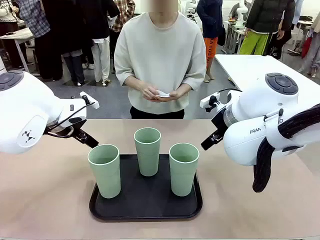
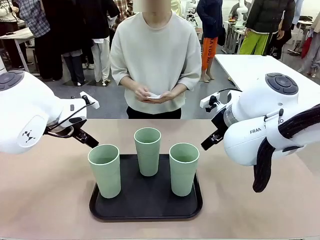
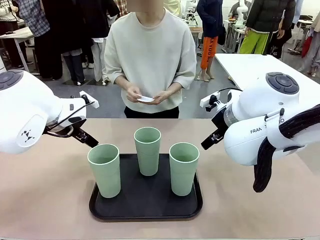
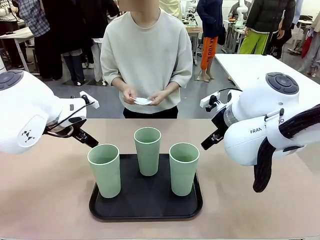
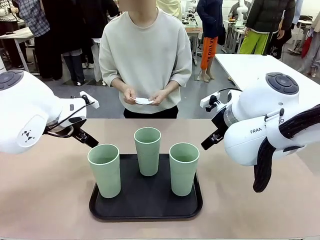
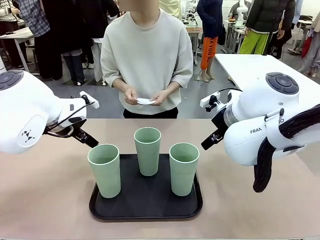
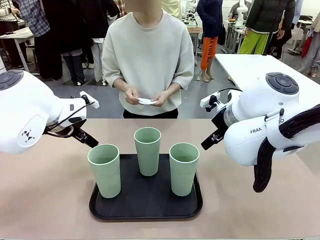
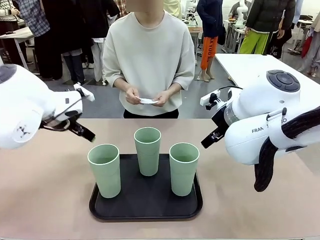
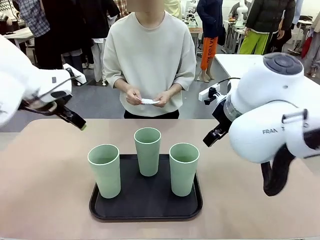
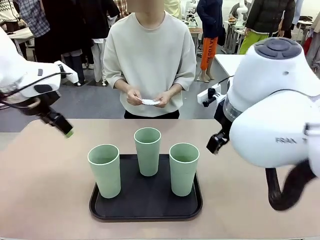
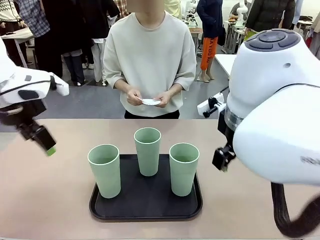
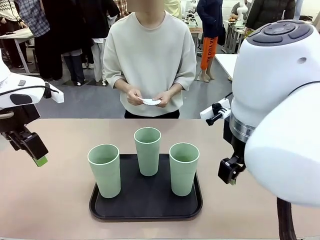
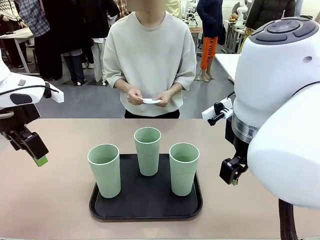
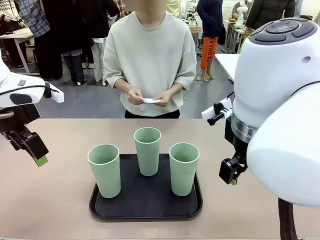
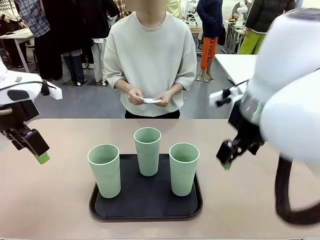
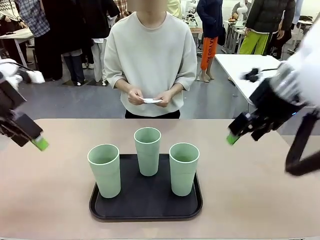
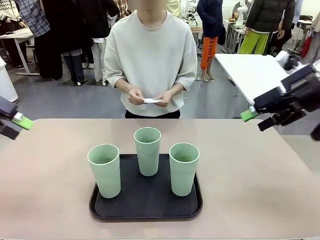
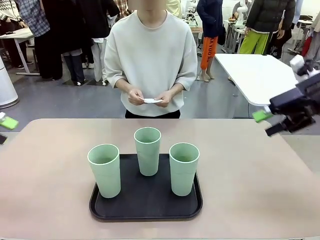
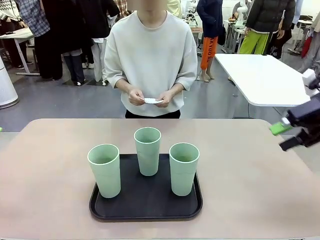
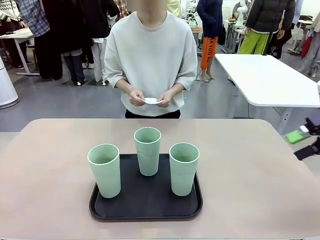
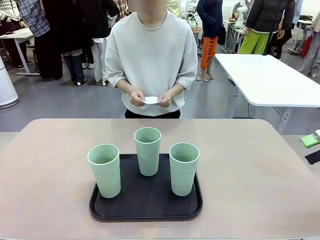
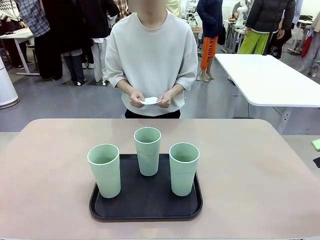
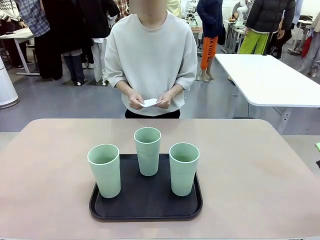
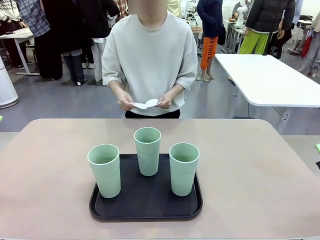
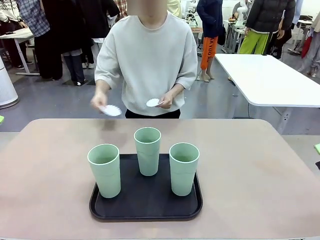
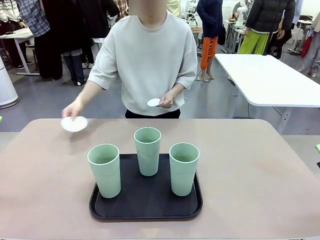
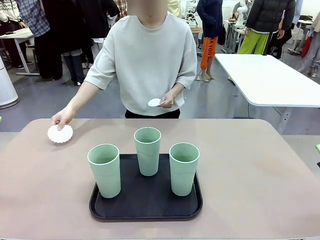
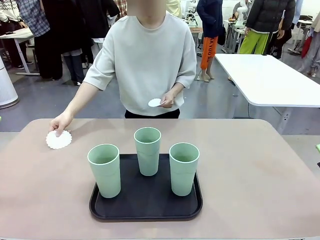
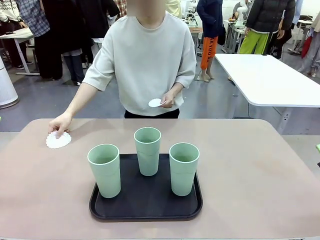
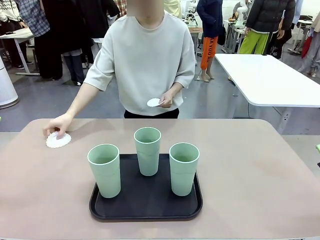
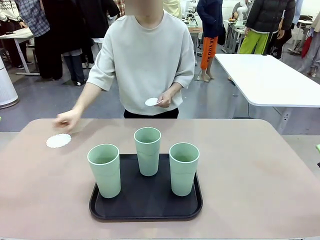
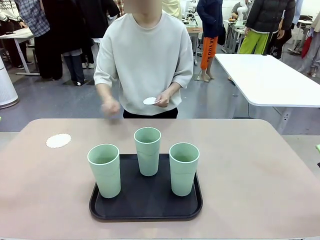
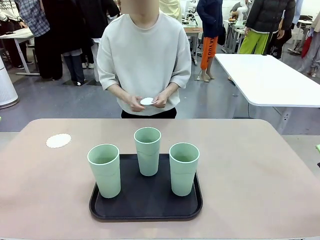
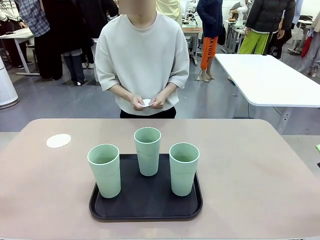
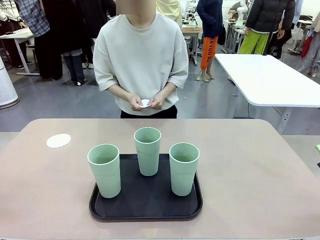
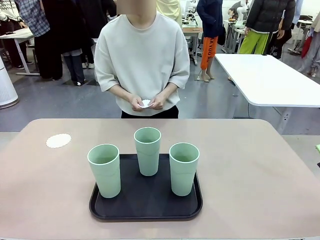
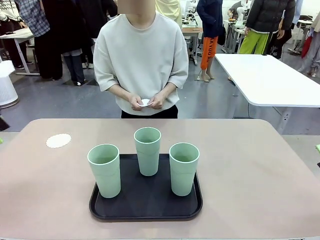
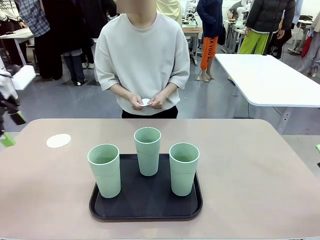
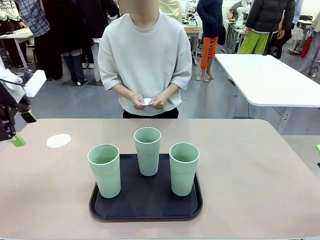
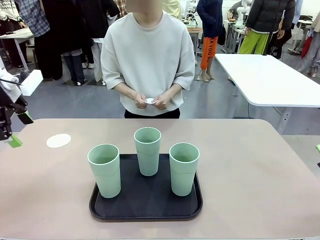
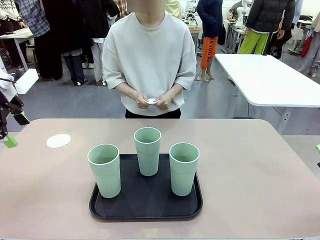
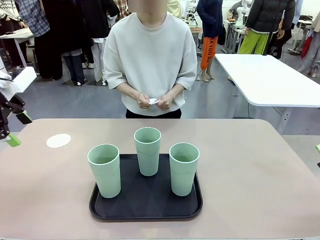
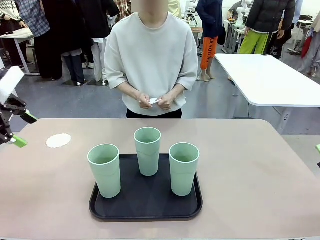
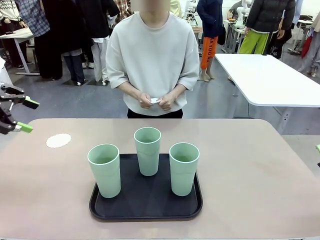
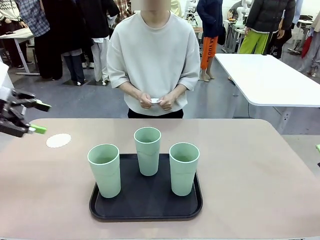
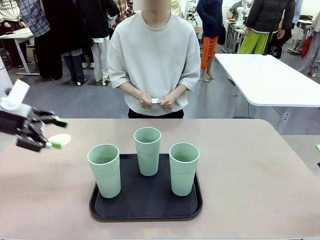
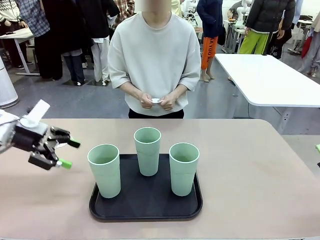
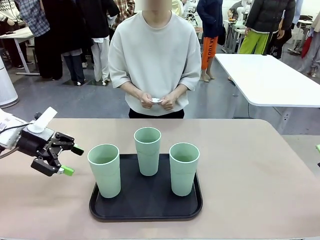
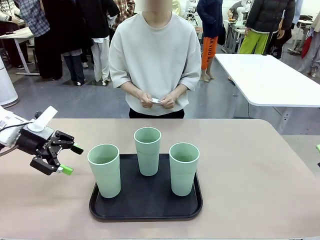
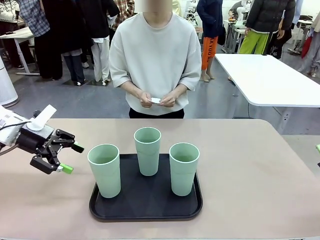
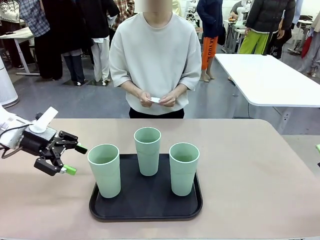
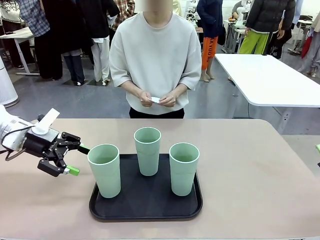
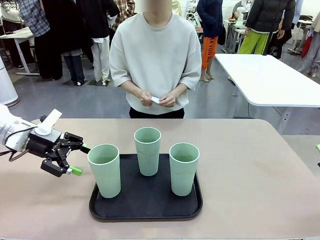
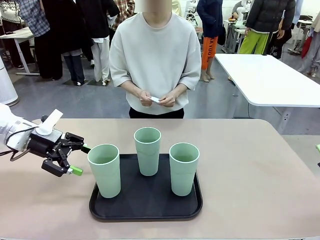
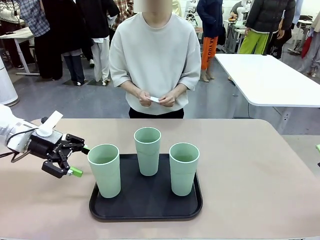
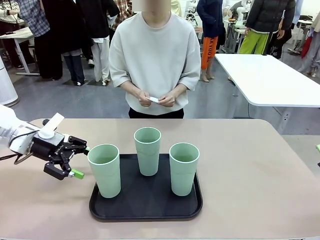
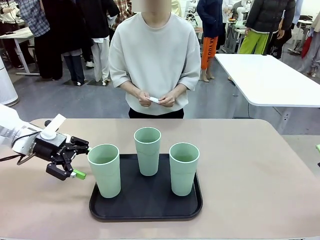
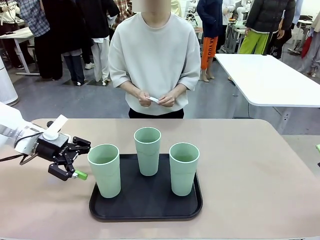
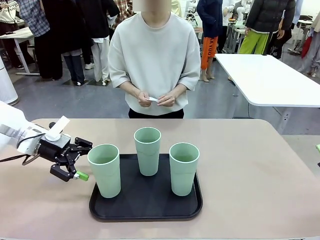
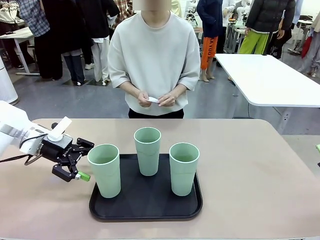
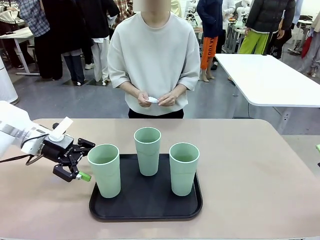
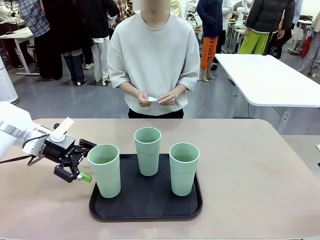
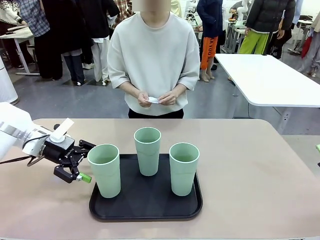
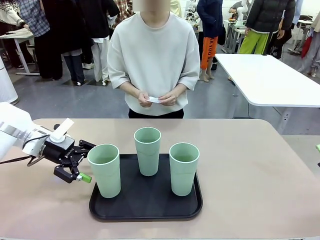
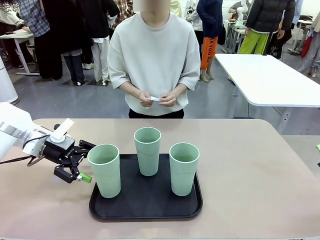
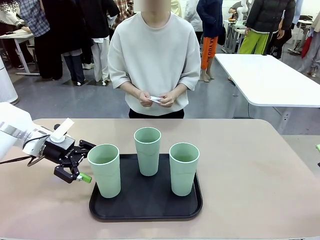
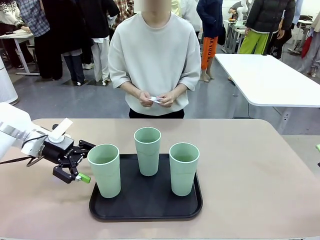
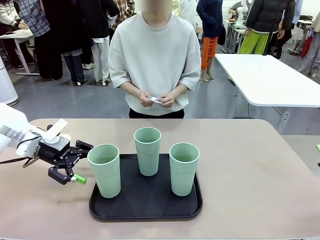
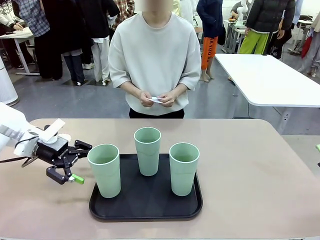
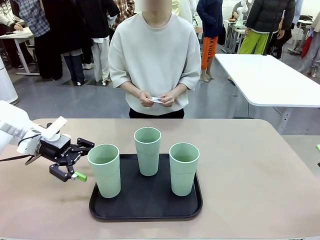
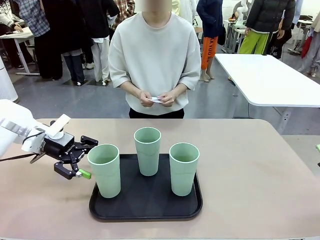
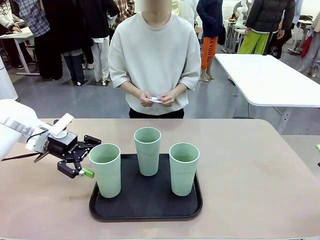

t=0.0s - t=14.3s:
Task: Place coasters on the table and set cups on them.
Robot: Pick up one Reusable plastic cup and place it on a coaster set by the human.
Person: Place one coaster in any one of the three lower areas of the robot table (left, center, or right).
